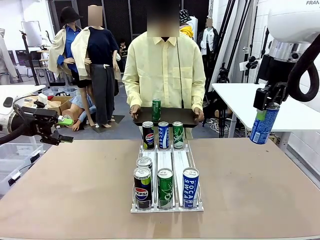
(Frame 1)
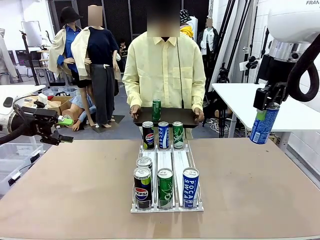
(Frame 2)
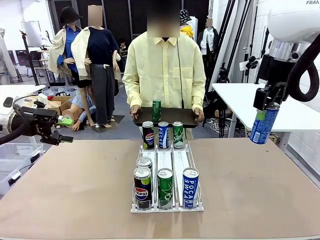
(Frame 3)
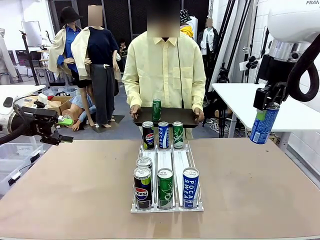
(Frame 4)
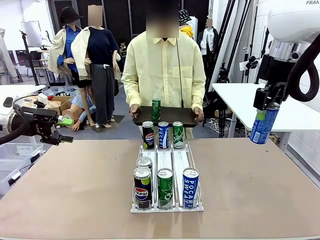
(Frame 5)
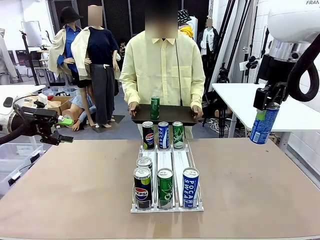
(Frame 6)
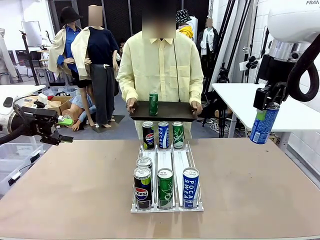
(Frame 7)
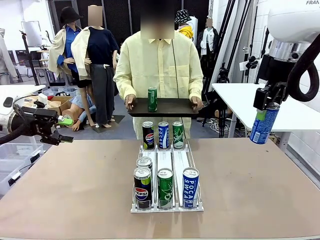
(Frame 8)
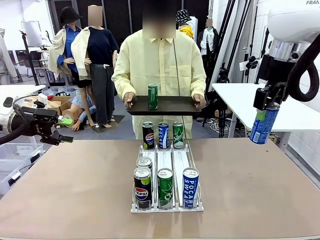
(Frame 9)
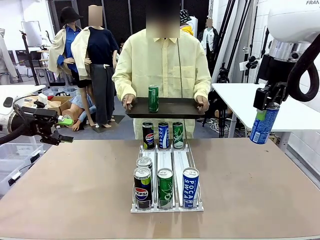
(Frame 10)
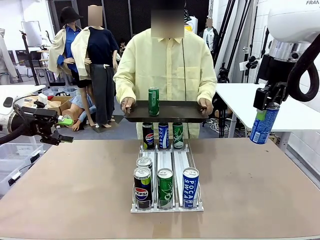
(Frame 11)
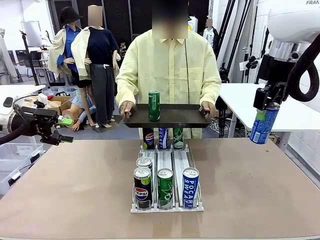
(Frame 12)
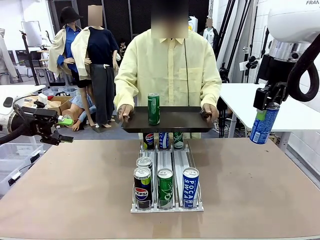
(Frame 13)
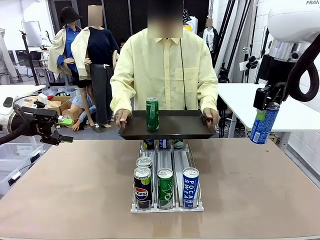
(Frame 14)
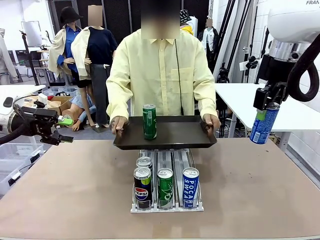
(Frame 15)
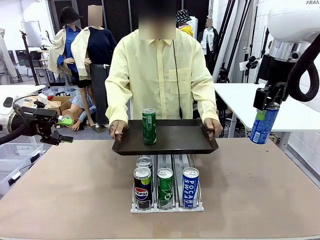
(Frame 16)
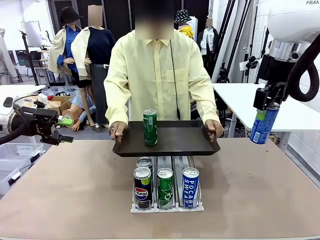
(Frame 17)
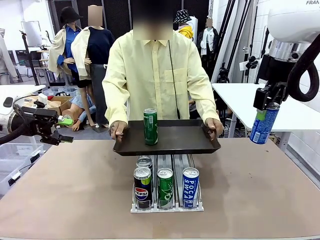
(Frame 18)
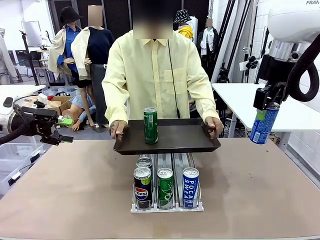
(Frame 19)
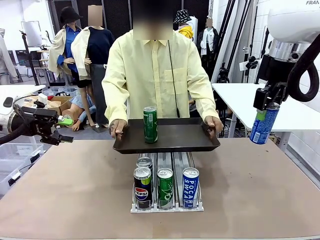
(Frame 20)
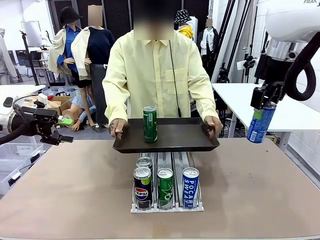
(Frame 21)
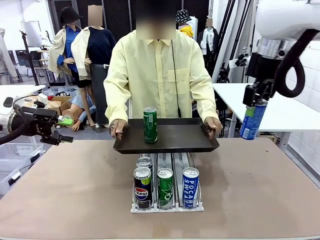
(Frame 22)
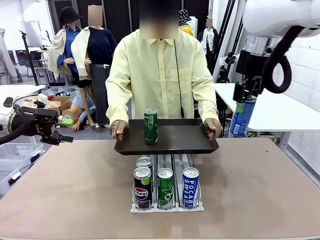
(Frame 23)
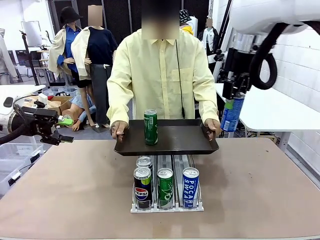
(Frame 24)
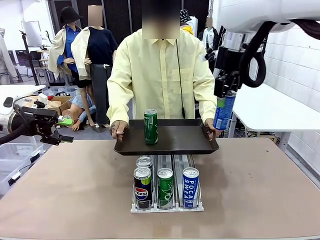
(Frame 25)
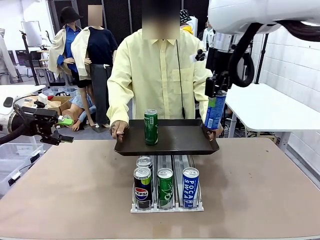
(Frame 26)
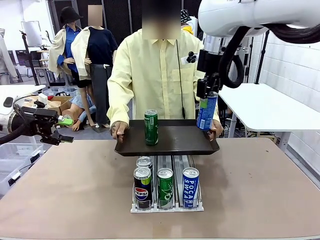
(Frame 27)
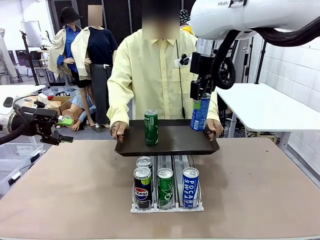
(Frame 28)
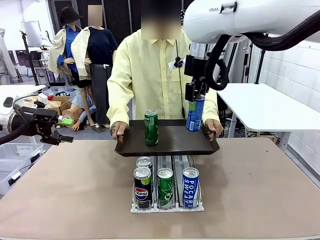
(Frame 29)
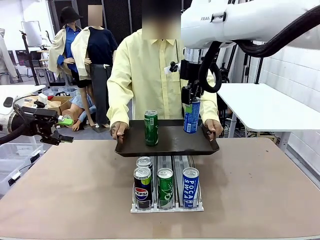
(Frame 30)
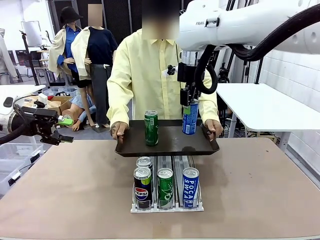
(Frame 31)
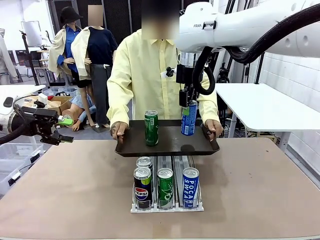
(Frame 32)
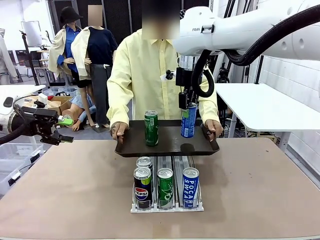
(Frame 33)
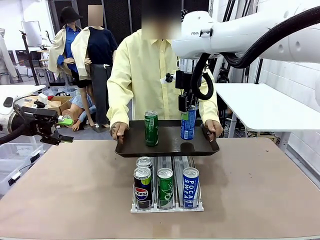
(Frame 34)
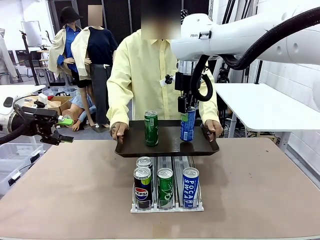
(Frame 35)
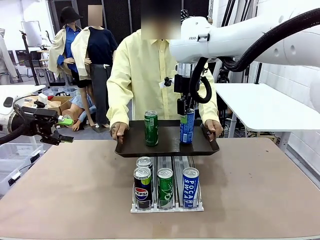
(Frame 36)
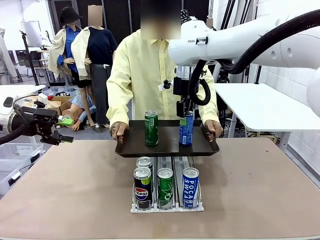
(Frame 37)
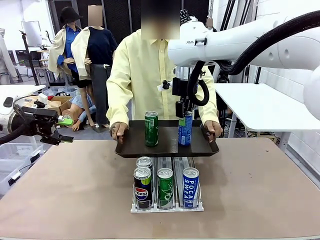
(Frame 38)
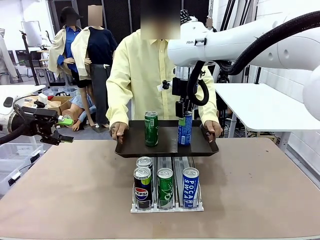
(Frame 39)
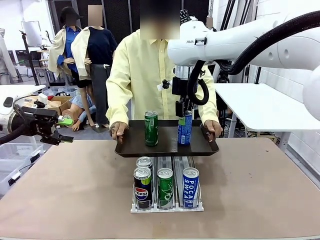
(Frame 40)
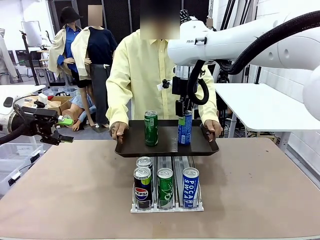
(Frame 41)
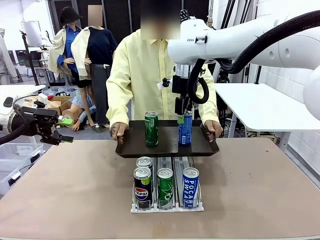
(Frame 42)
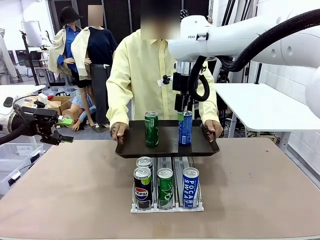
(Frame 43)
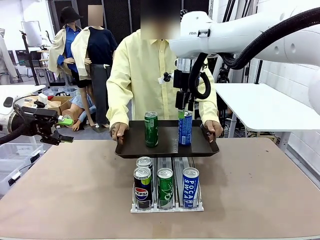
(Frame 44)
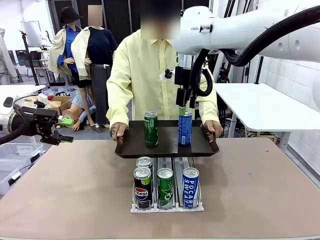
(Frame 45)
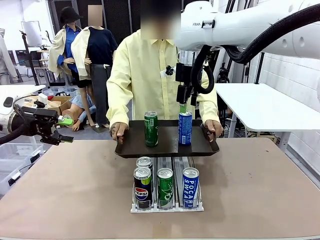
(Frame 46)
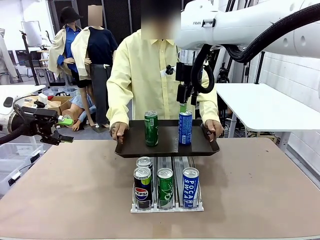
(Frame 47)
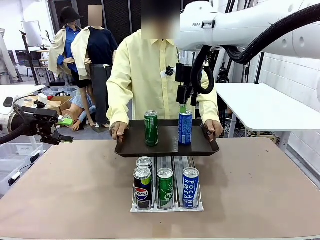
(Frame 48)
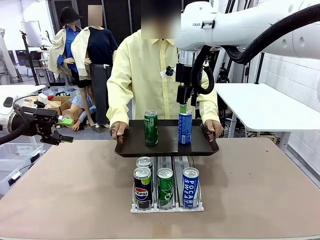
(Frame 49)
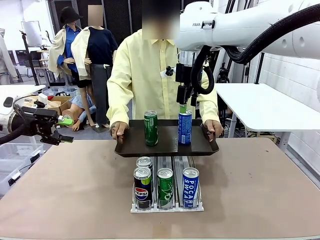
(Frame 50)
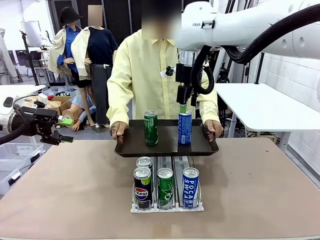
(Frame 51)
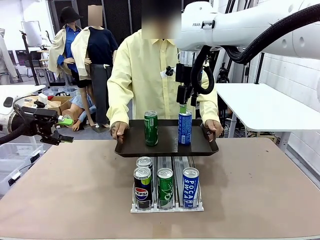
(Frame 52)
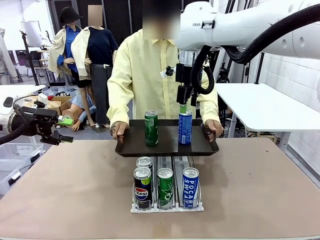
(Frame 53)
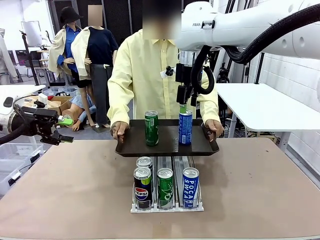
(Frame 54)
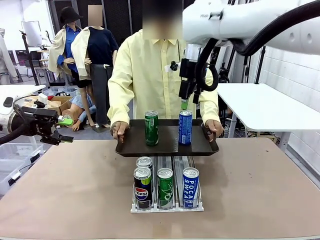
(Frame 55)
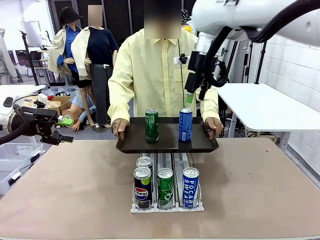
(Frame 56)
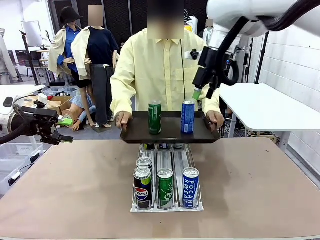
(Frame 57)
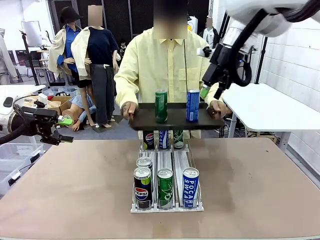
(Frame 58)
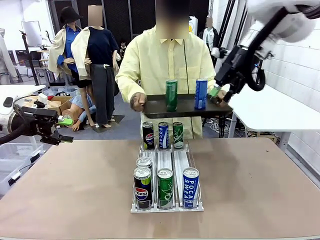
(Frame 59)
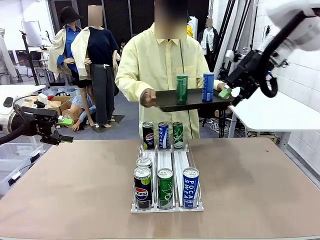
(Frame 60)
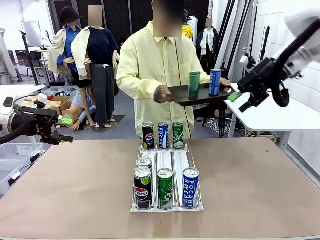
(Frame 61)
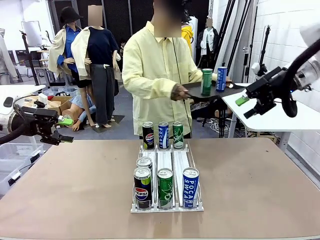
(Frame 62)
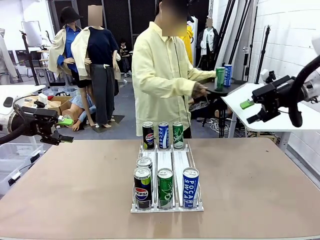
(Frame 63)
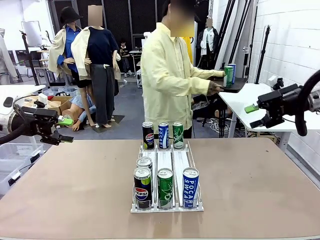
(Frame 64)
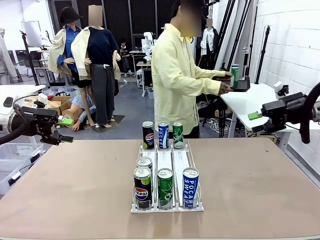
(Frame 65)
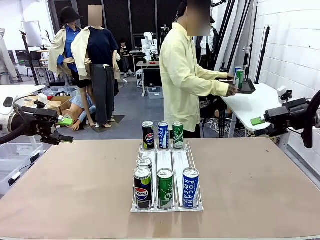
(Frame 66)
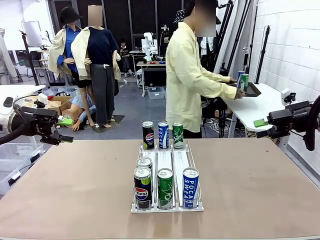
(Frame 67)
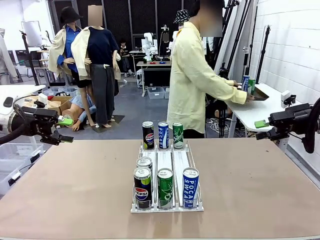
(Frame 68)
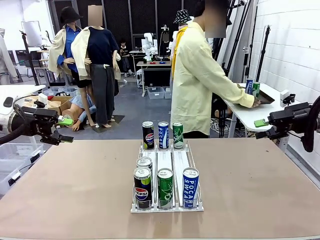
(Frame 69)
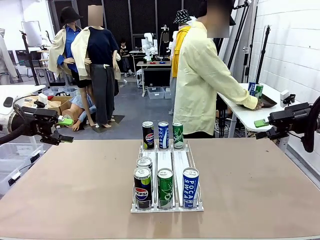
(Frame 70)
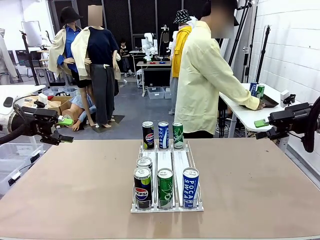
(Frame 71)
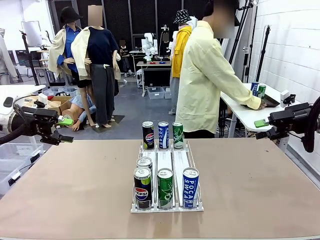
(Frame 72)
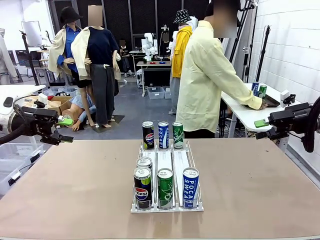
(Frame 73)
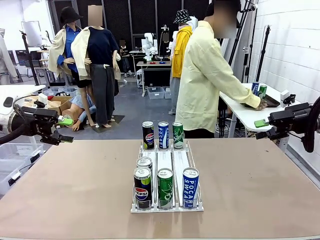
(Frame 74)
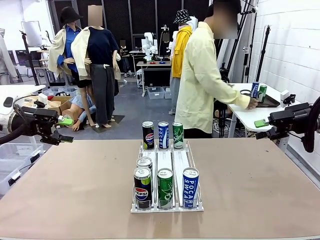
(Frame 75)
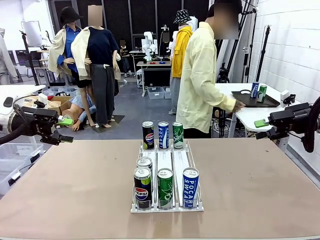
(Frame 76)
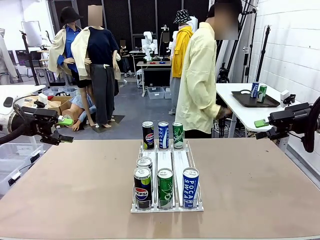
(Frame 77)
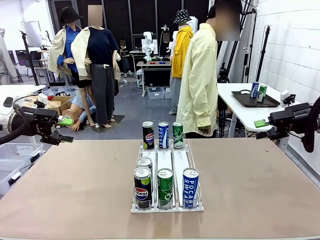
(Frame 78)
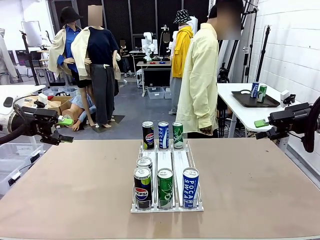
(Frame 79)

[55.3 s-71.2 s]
Task: Retrieve and hand over the desired beverage to the person.
Robot: Place the picked can on the Handle tray extended by the person.
Person: Pull the tray back and place it at the center of the human table.
